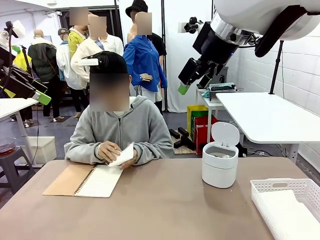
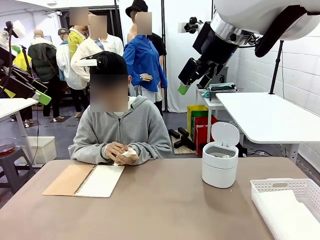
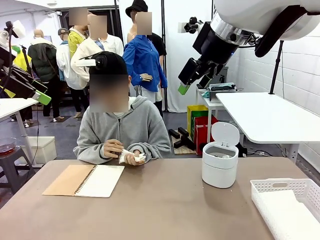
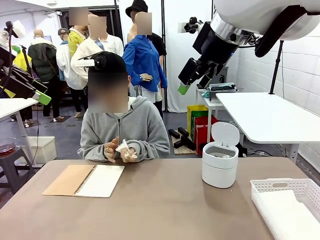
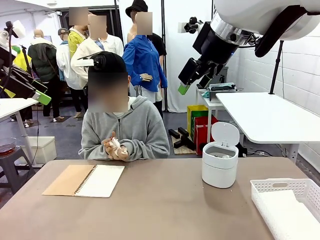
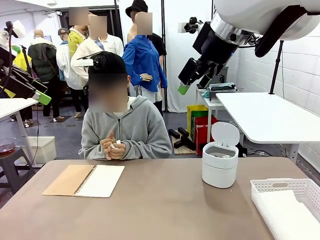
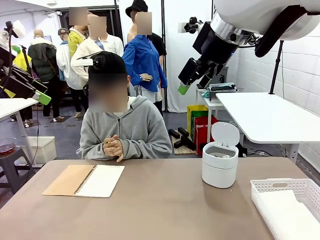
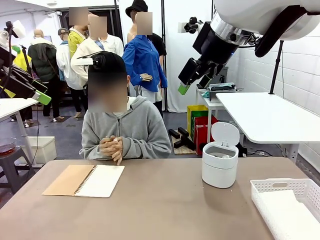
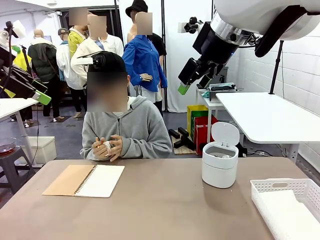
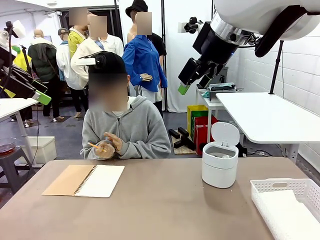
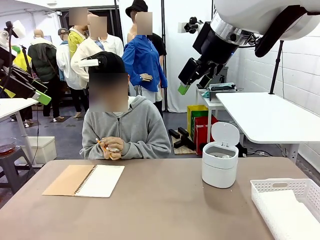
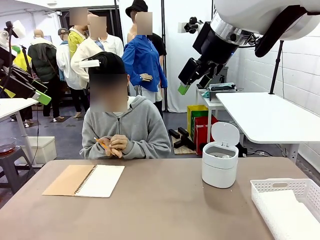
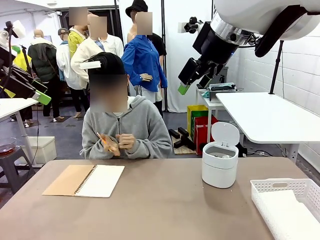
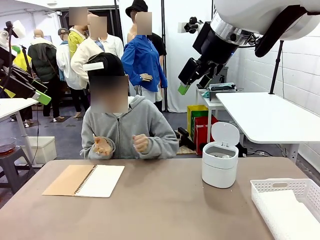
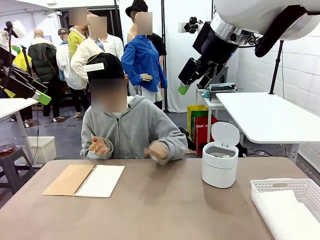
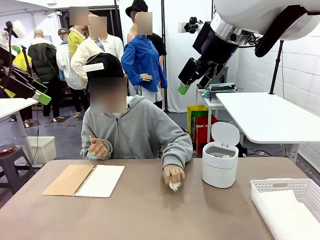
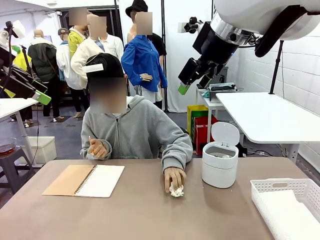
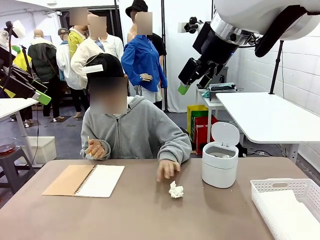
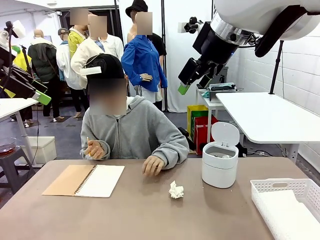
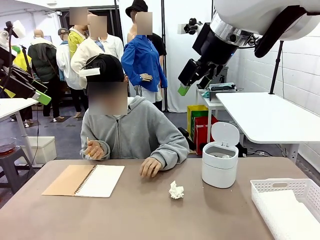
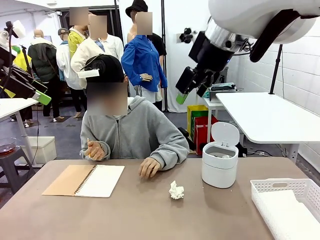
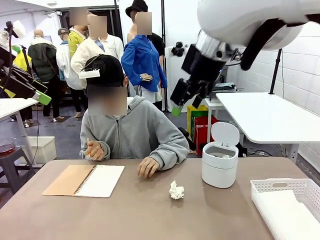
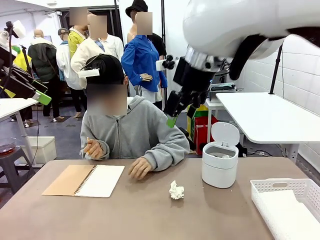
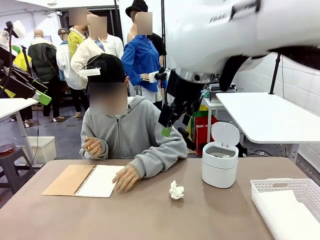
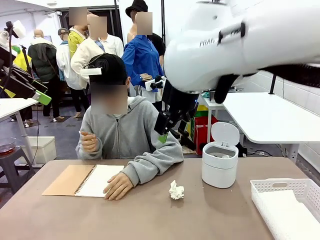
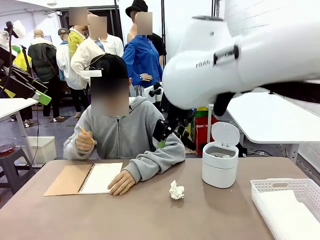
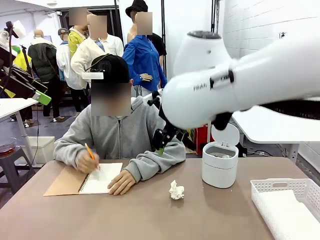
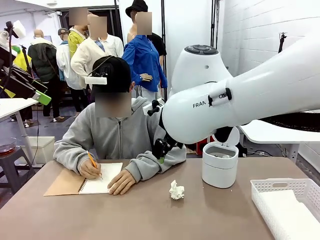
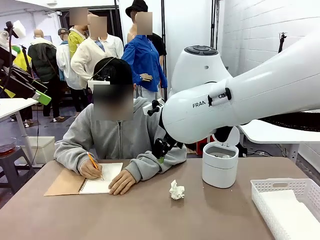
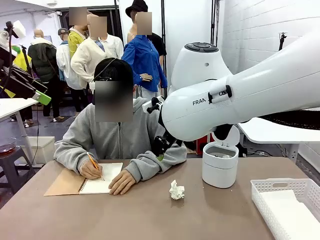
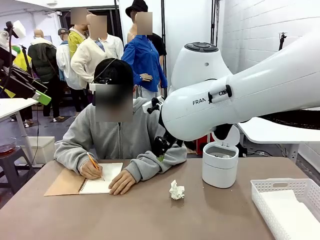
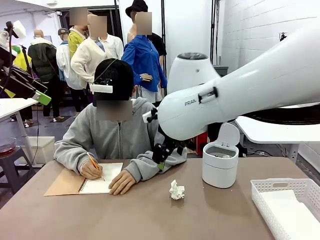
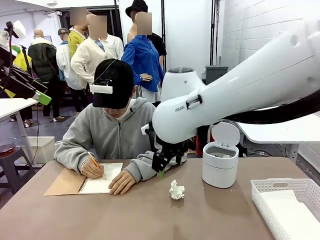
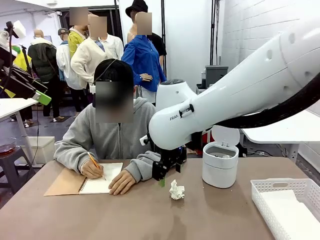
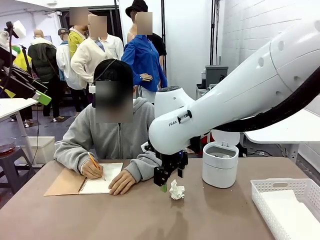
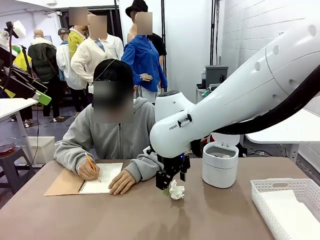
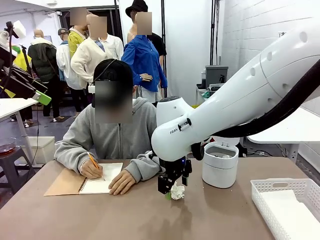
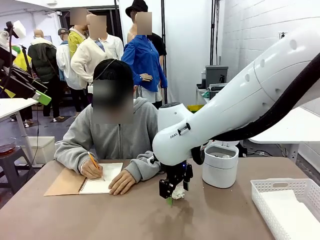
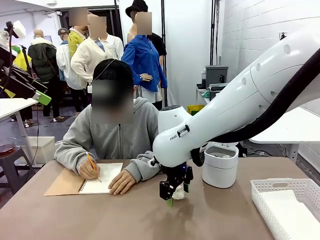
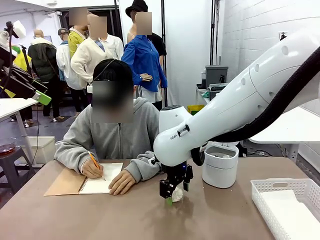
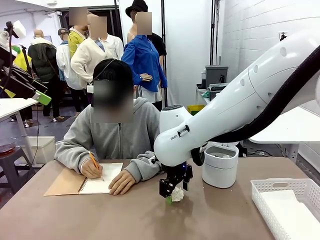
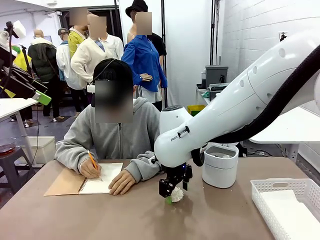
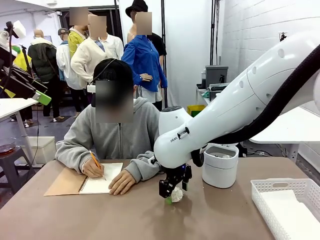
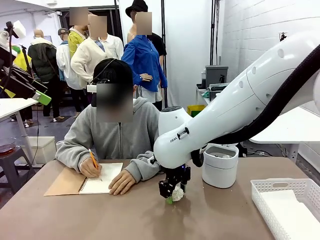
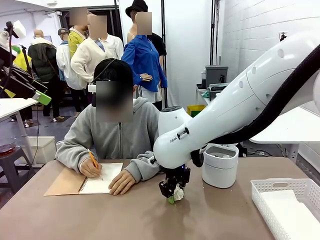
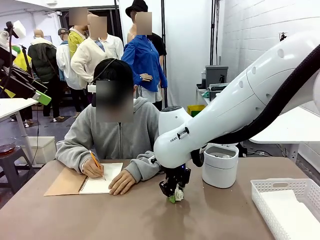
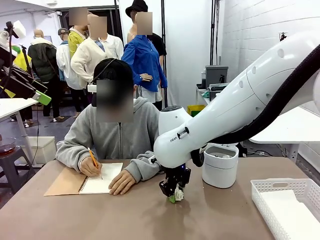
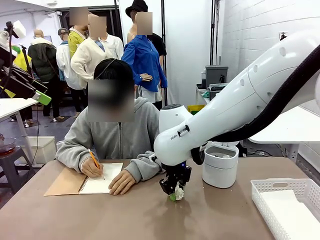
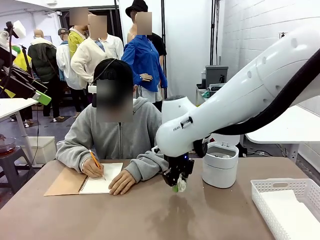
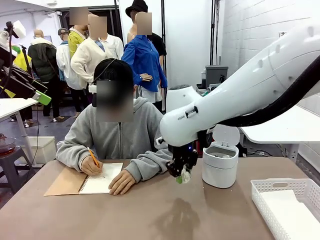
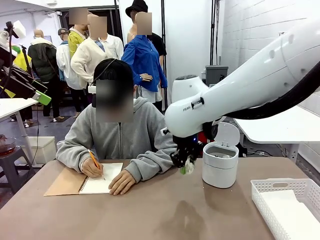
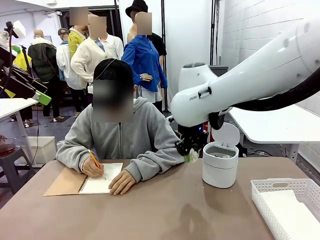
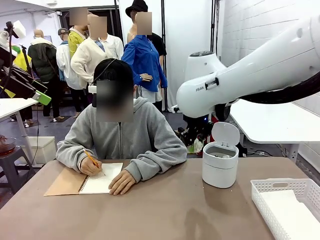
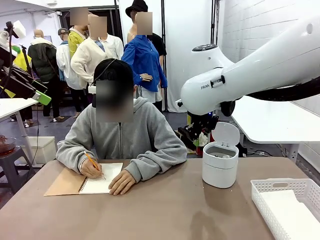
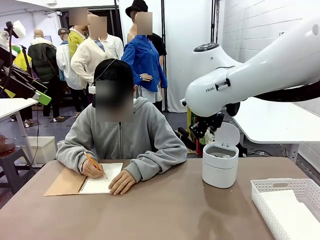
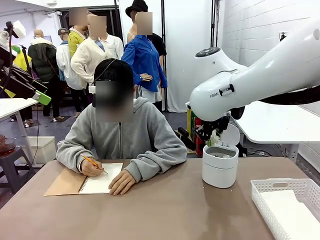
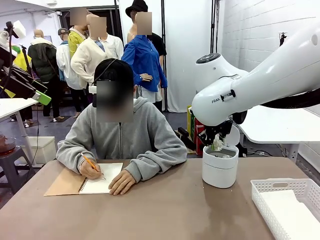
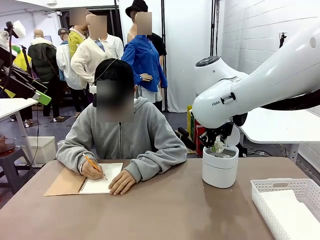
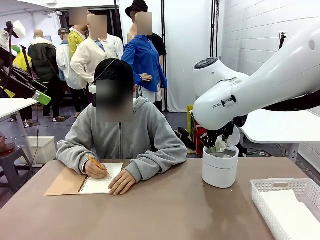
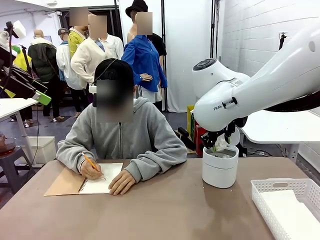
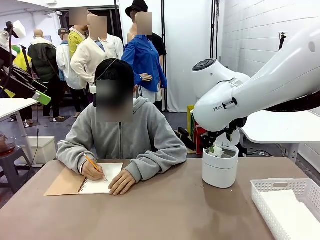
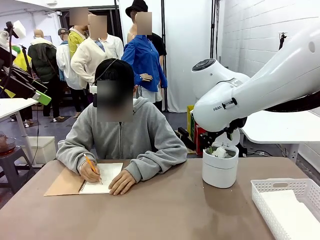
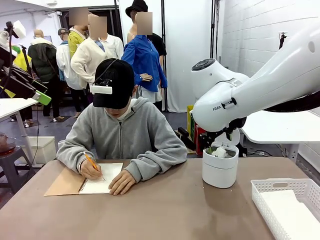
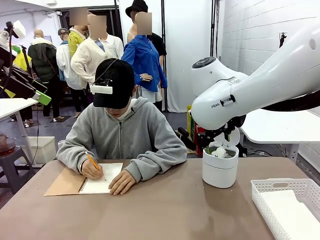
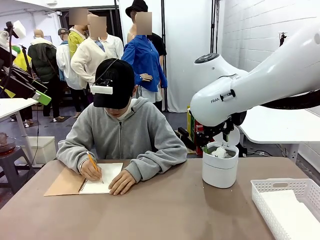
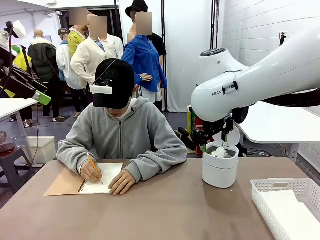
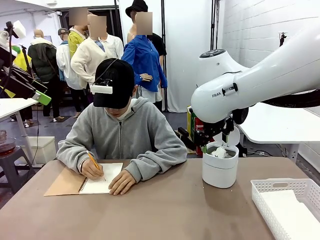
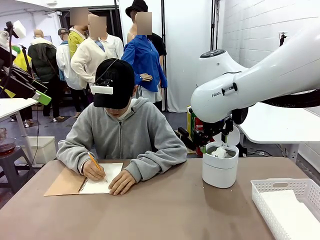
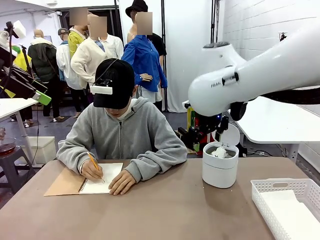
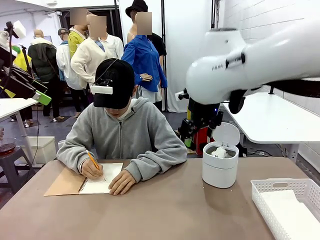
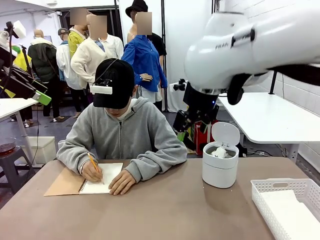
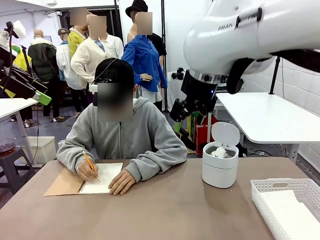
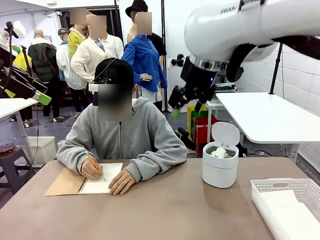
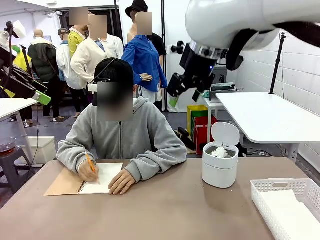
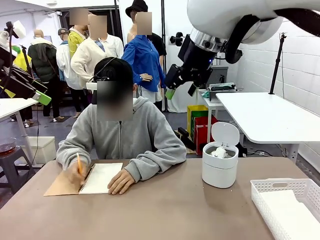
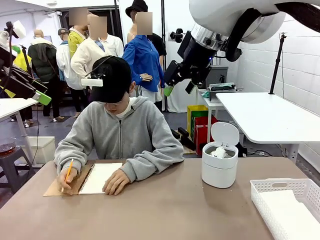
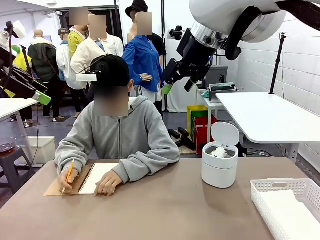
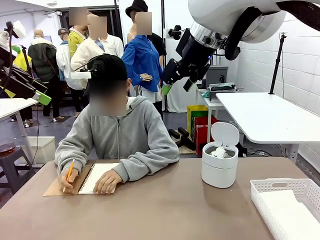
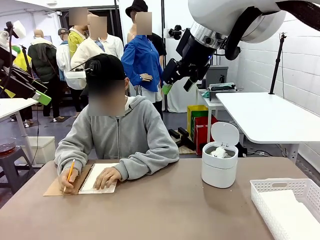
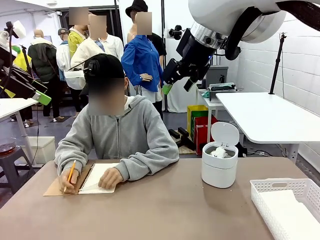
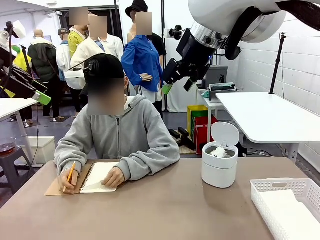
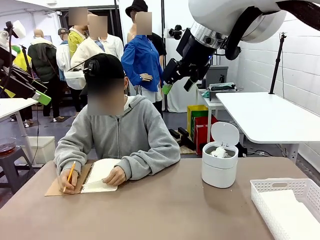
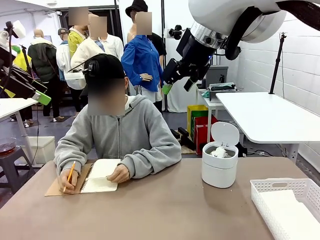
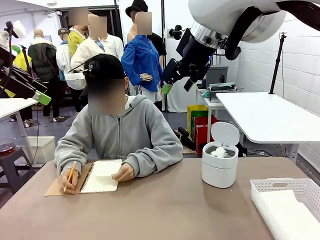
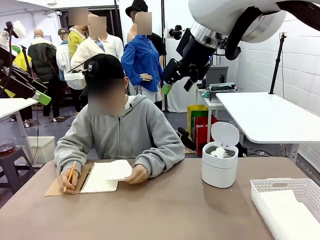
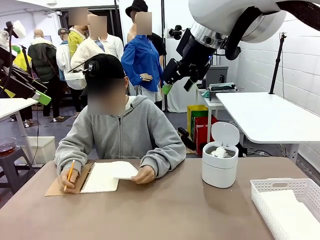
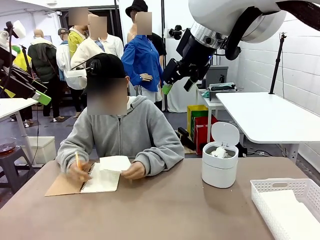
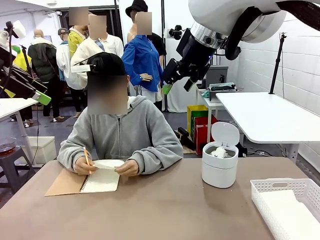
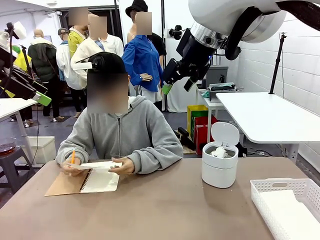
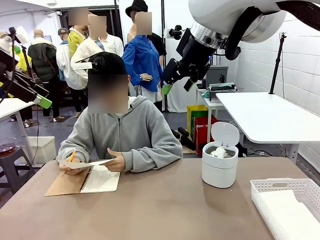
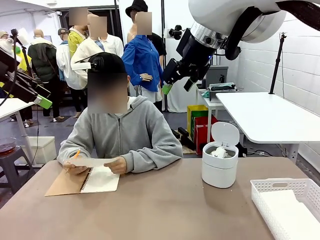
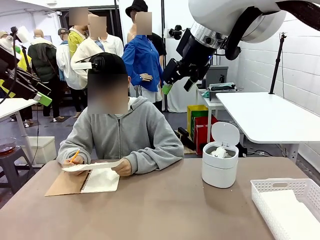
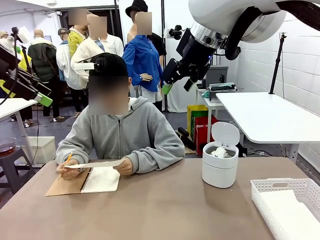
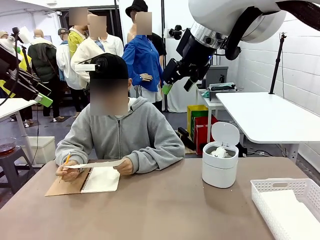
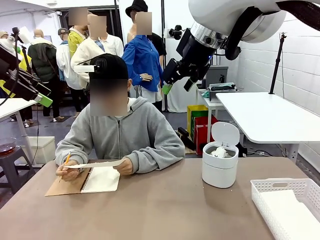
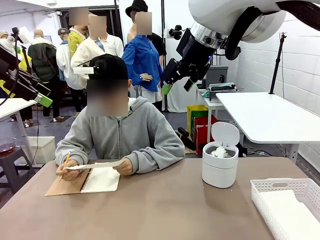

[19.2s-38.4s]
Task: Sort the paper based on its condition.
Robot: If a person hands you a paper, place it in the Organizing basket , and if it's crumpled, put it in the Trash can.
Person: Hand the torn page to the robot or crumple it and throw it to the center of the table. Tear out a page from the spiral notebook.
